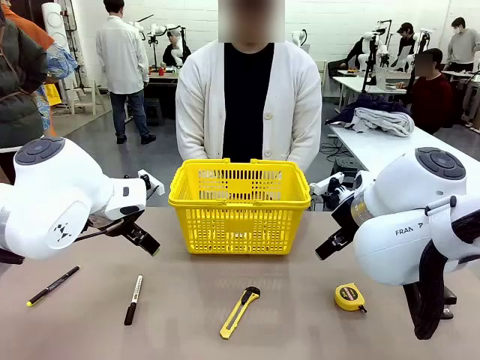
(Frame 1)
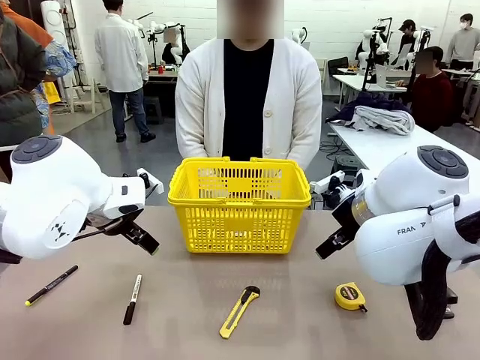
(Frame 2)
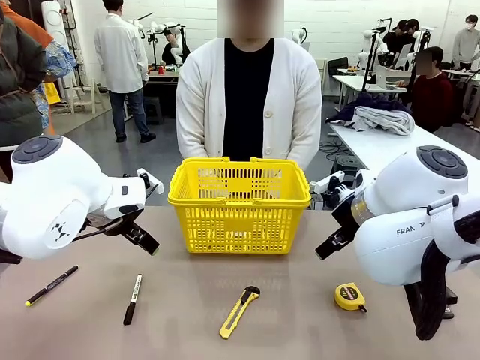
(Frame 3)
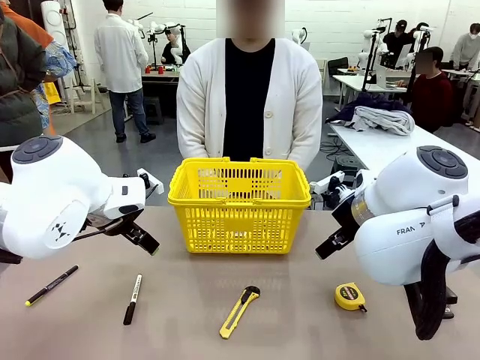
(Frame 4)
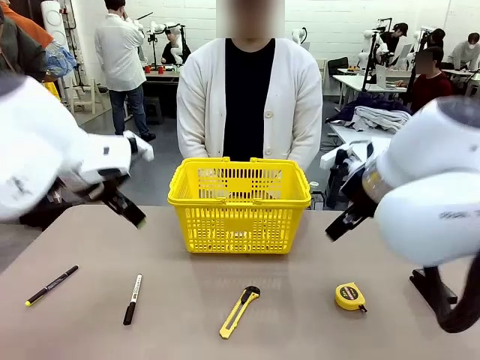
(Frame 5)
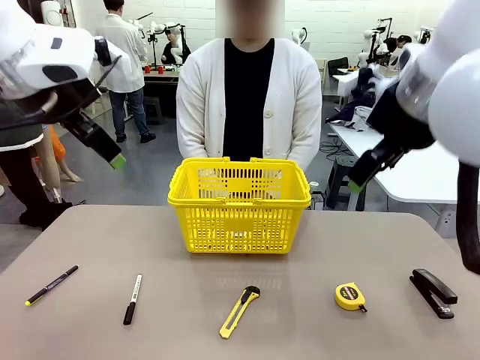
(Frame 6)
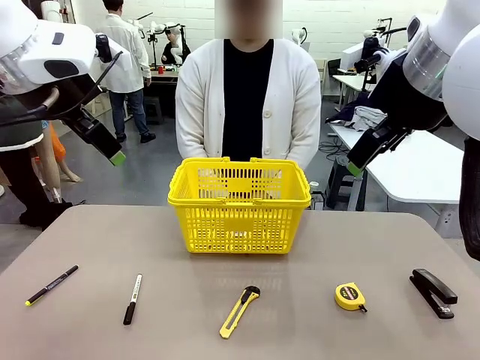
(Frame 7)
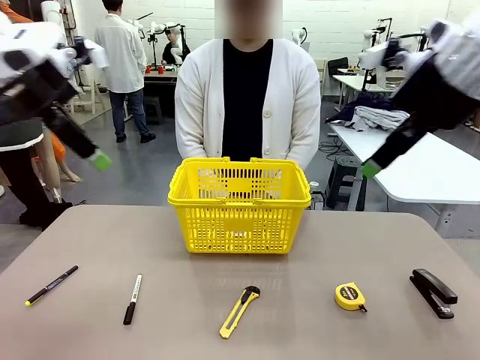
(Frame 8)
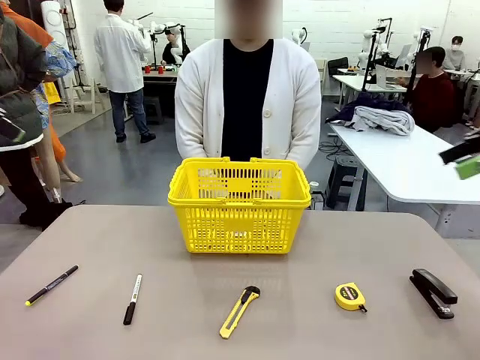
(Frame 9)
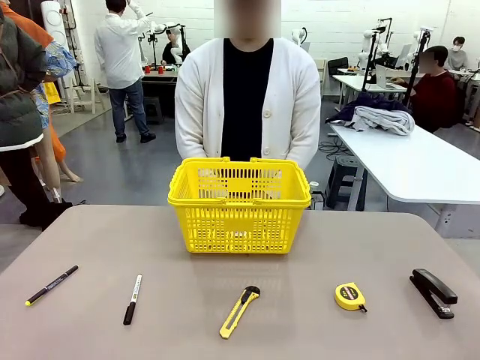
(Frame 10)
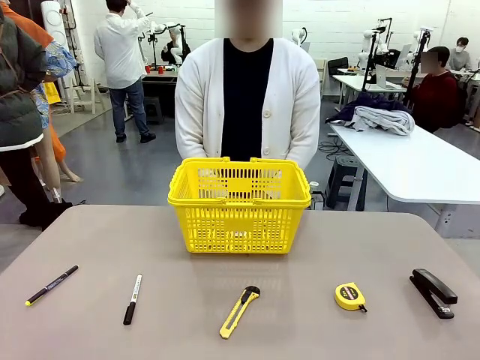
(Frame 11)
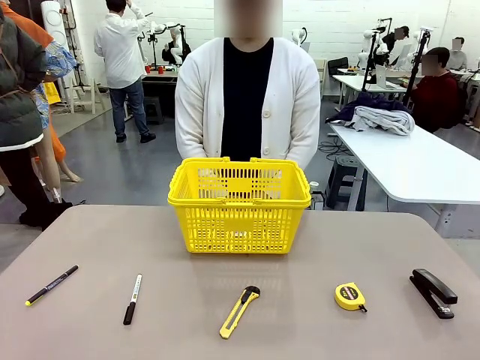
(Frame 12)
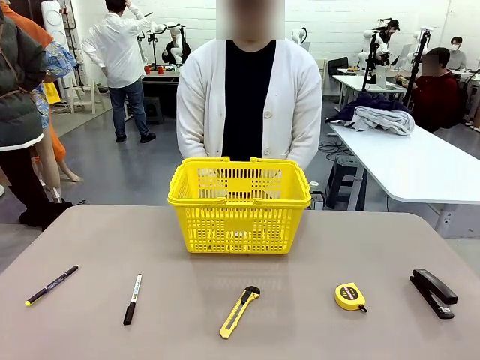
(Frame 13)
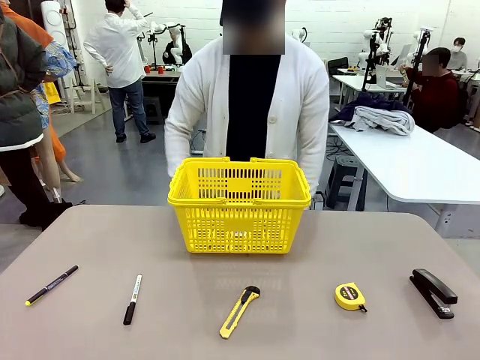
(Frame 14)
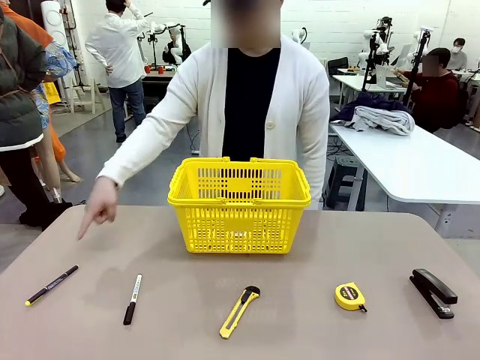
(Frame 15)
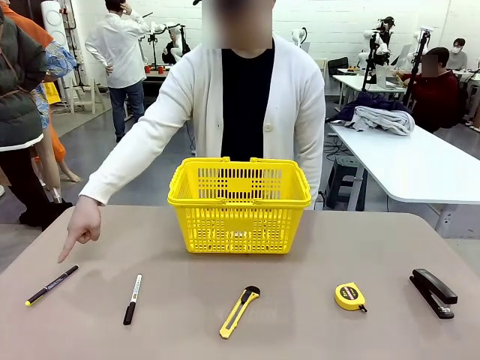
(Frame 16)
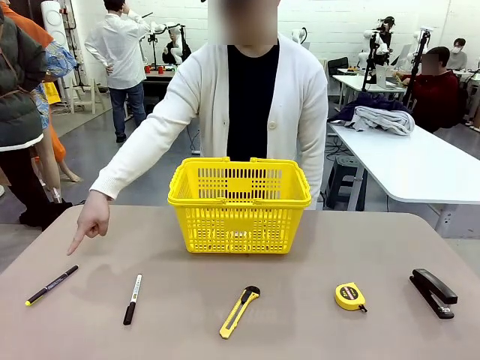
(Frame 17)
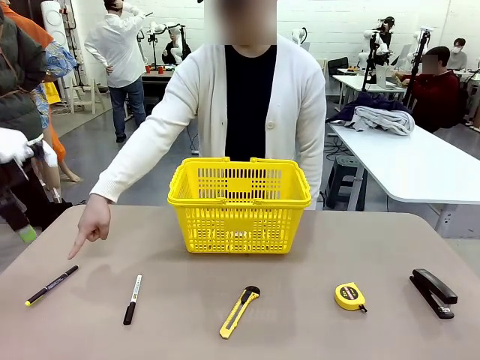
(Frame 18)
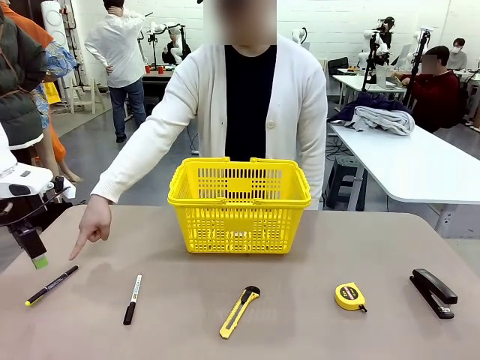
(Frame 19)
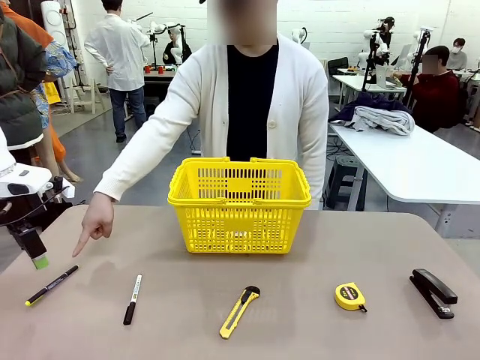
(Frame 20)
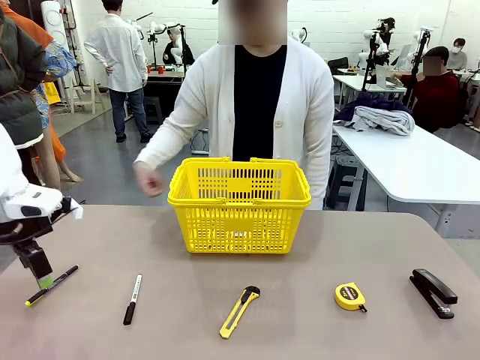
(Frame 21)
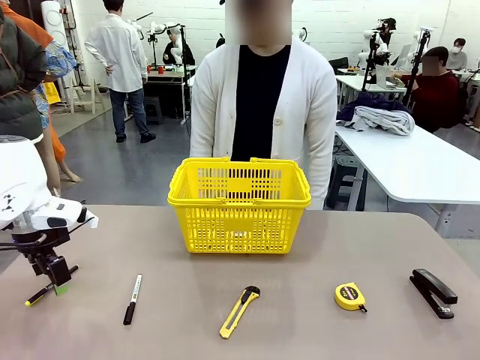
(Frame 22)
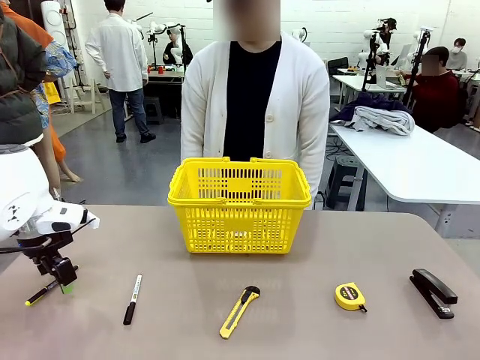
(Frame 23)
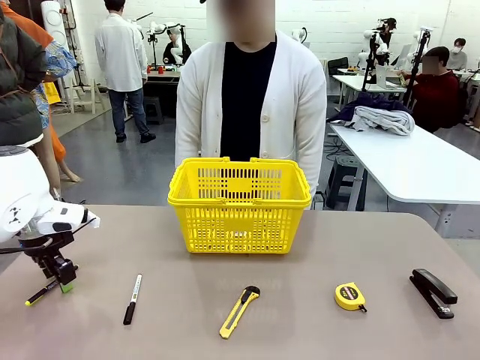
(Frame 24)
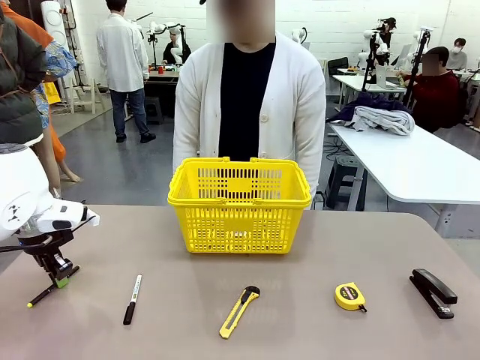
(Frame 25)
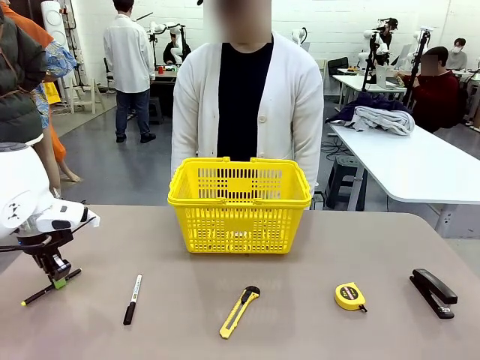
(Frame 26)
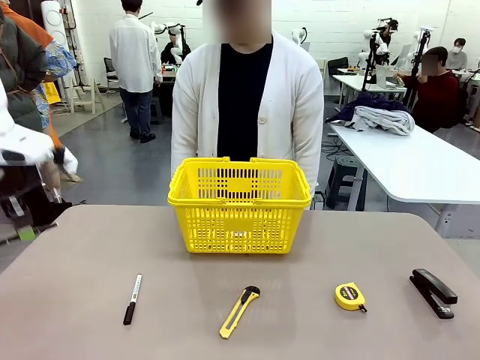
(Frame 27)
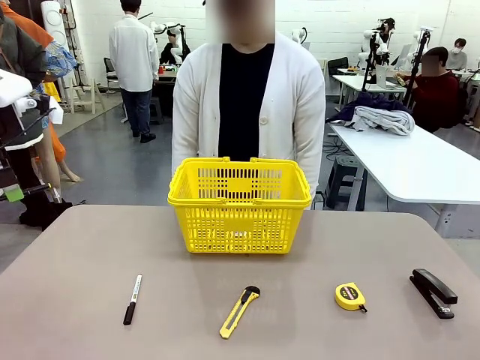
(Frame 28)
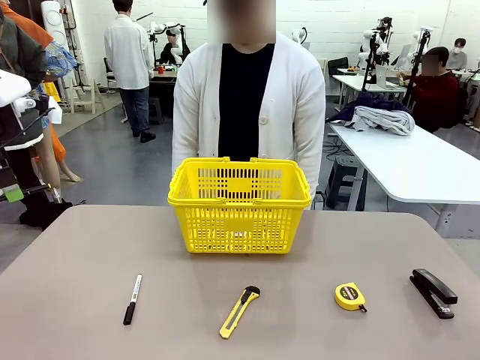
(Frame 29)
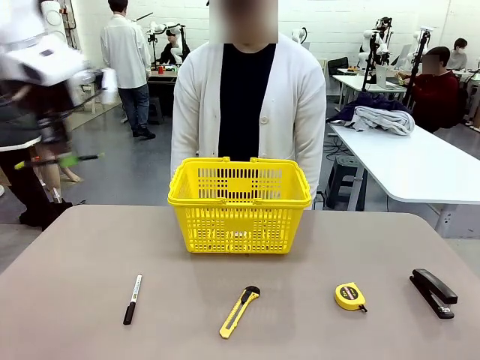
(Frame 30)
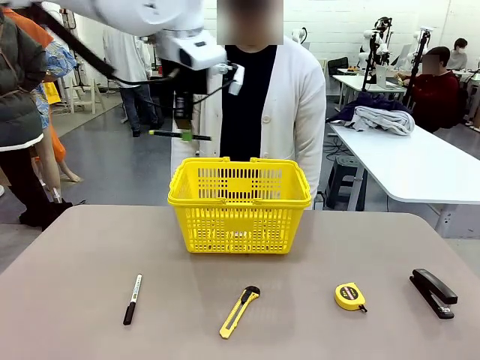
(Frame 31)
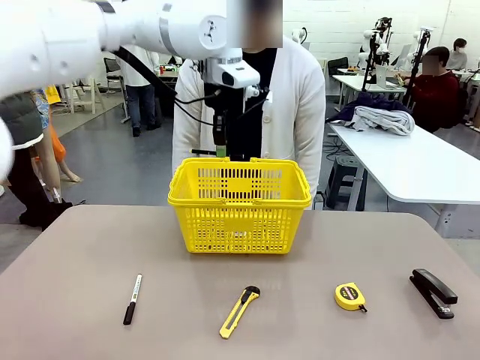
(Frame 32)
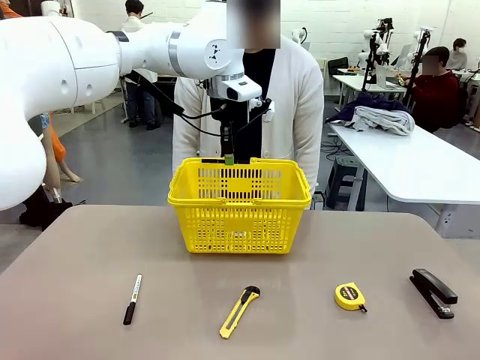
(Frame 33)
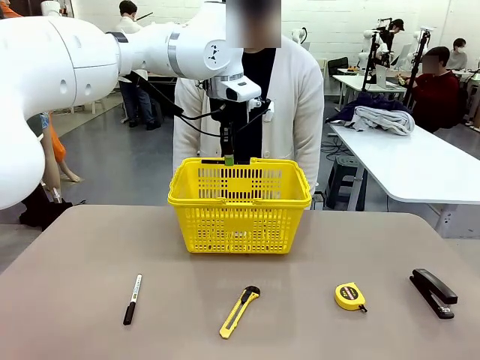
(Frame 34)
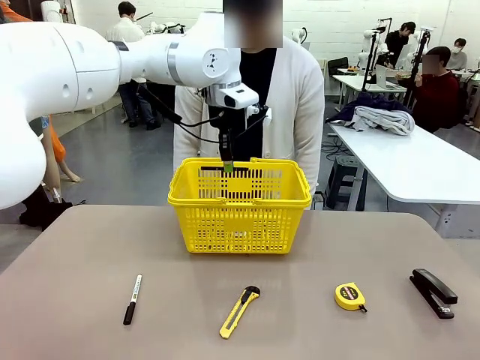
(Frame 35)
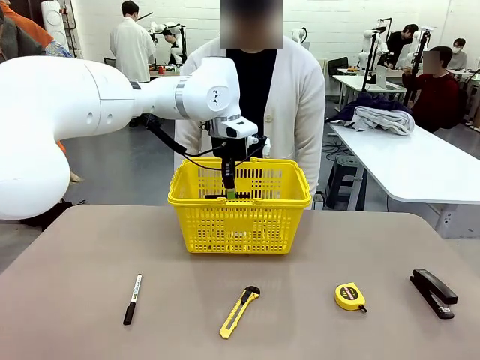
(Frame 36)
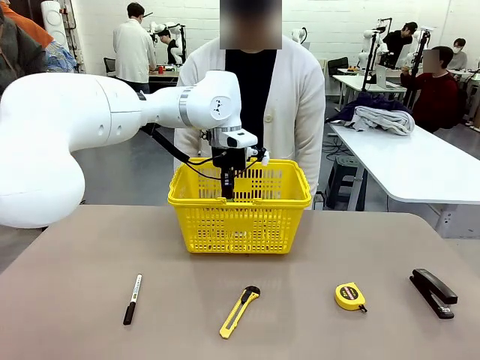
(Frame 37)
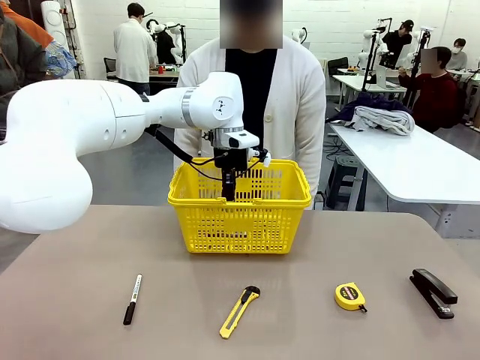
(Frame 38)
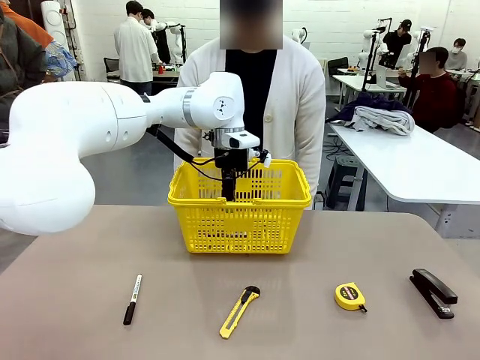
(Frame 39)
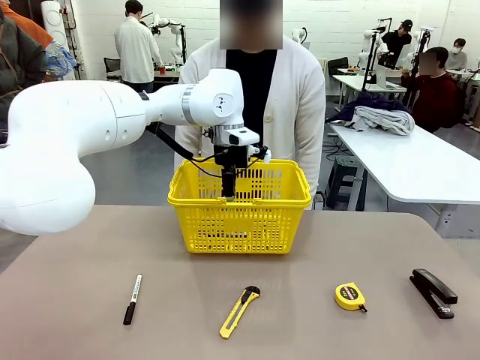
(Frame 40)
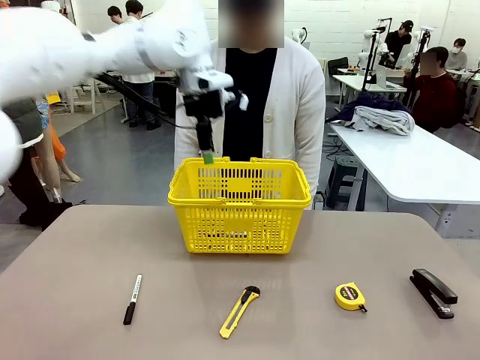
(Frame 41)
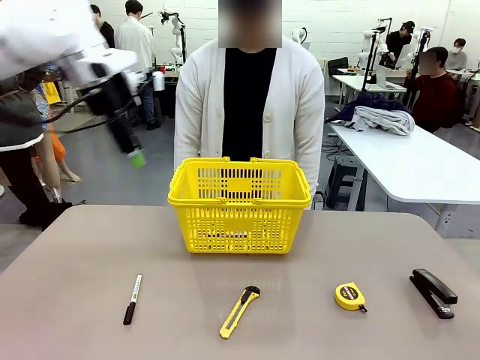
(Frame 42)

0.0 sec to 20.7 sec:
Task: Place the items the person wants into the basket.
Robot: Pick up the item the person points to and place it in the Market Basket.
